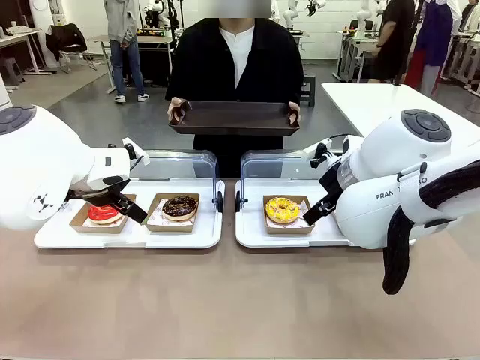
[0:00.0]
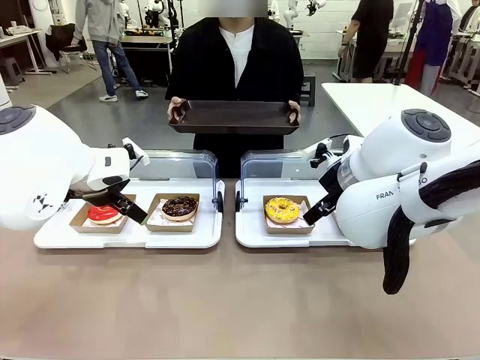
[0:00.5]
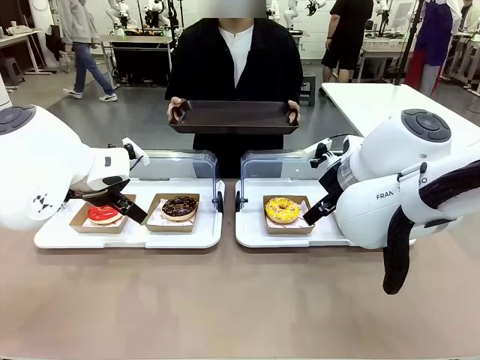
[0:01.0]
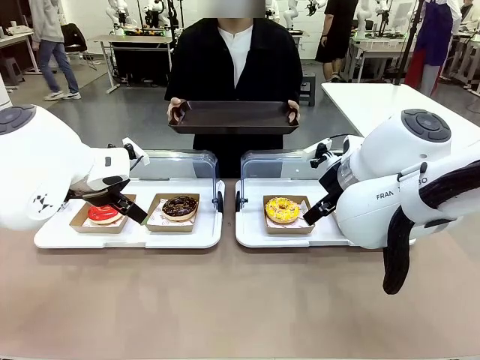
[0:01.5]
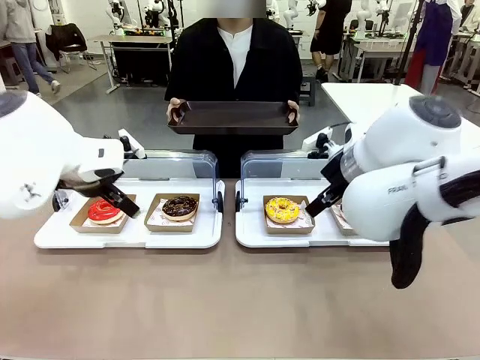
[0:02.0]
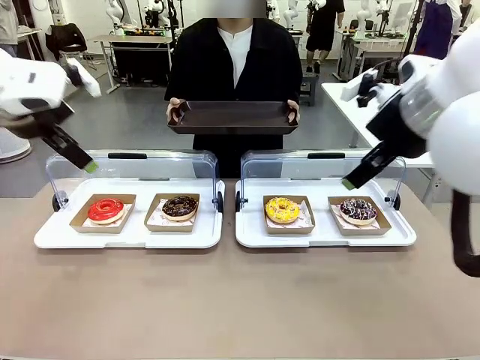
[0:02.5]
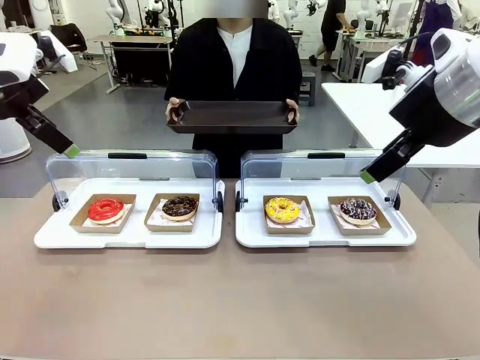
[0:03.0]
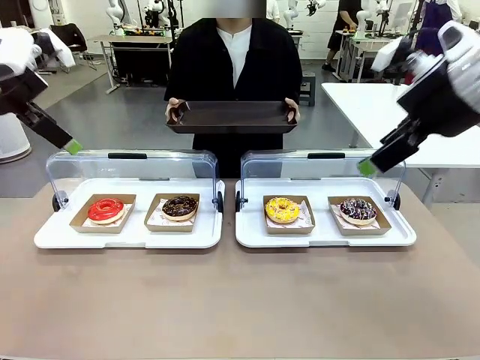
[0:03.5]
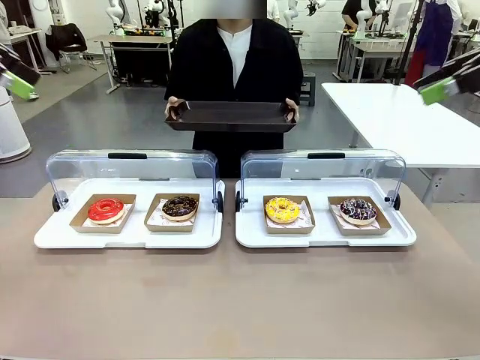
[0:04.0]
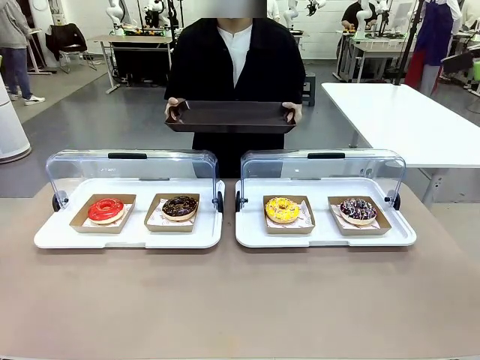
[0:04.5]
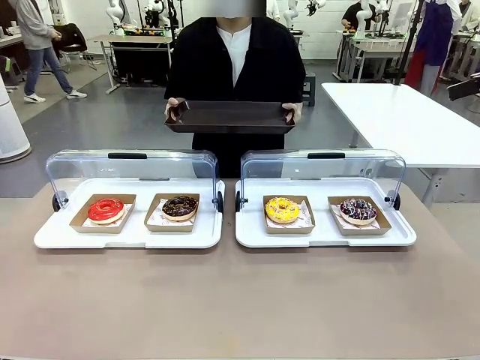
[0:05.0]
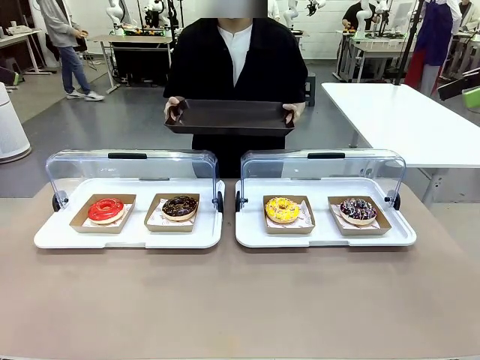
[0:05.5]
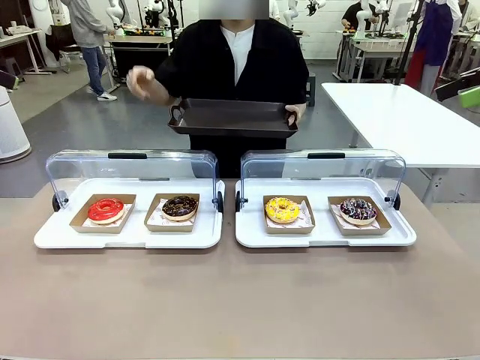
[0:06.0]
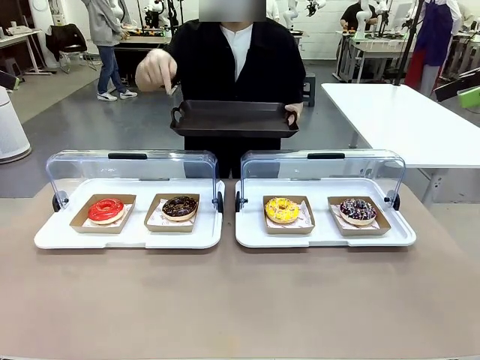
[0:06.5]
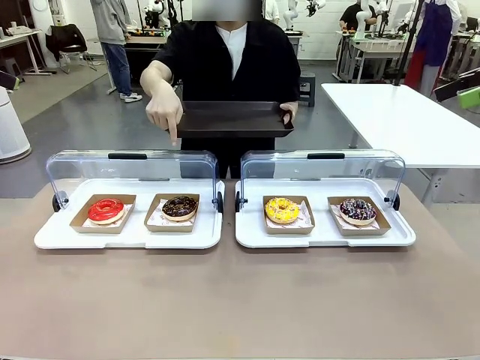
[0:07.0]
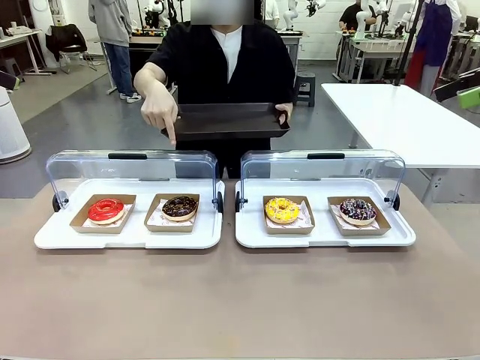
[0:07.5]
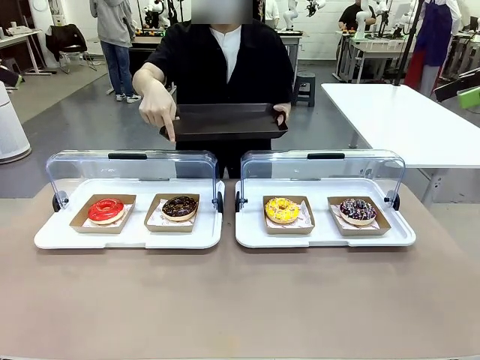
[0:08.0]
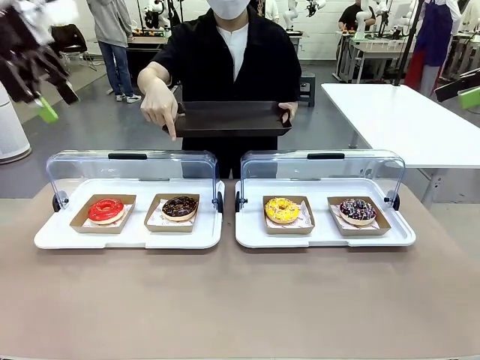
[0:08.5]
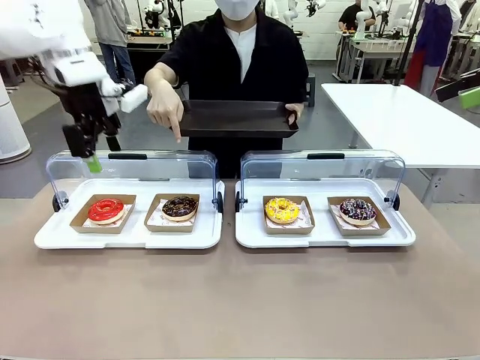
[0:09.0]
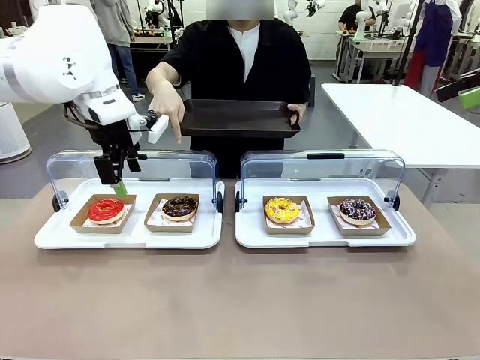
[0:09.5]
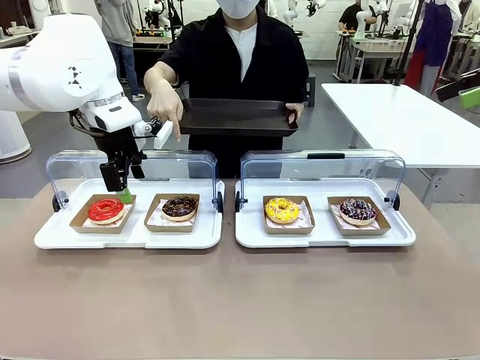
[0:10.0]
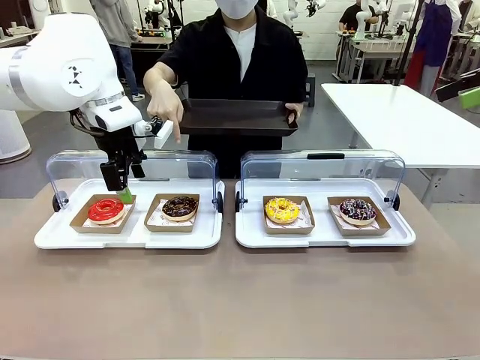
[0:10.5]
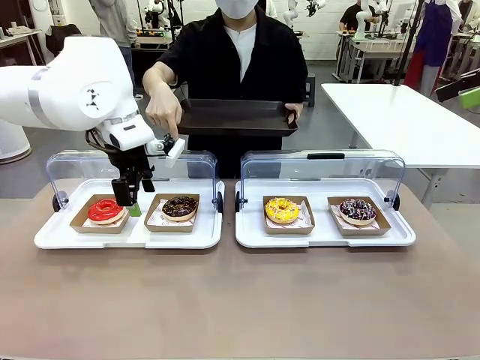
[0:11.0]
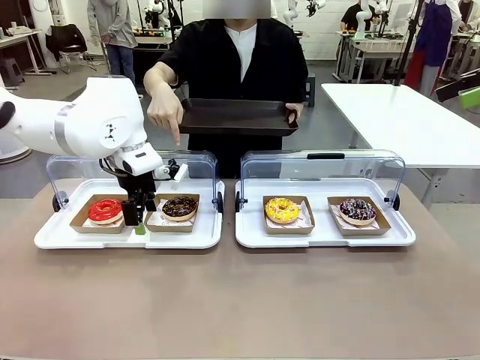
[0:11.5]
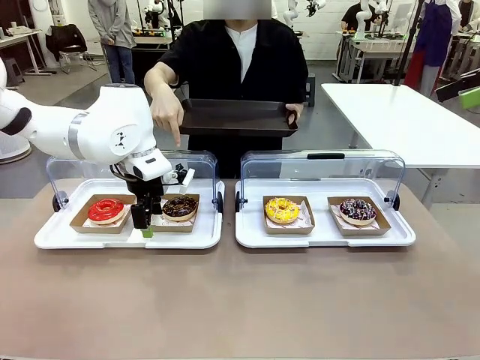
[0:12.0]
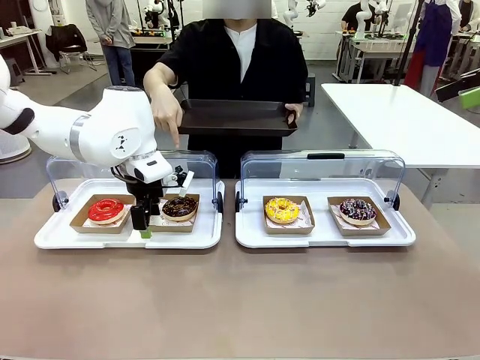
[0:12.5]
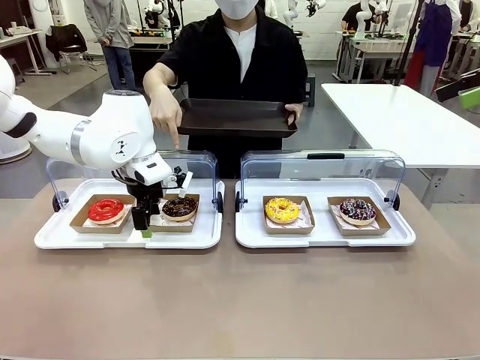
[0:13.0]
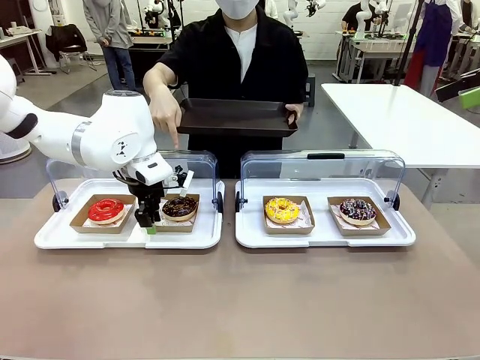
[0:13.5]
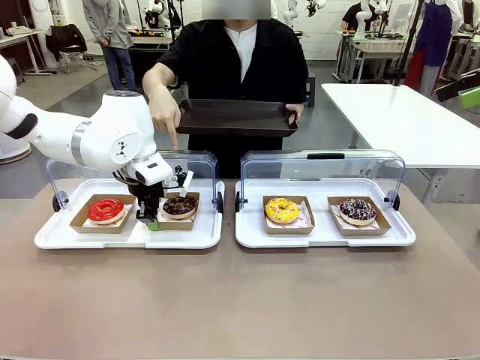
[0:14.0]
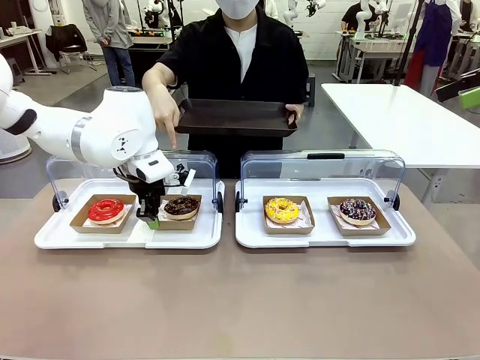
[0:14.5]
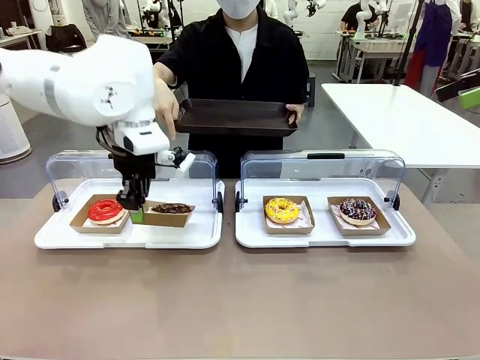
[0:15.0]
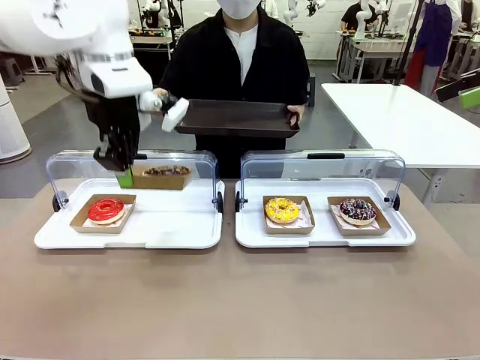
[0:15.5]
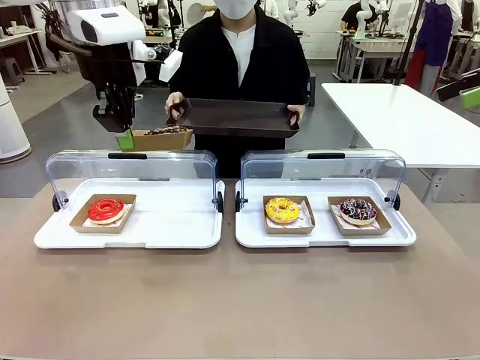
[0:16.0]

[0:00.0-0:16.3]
Task: Provide the desired donut to the person.
Robot: Pick up and lift the Paper togo box containing the Donut pointed at by the person.
Person: Point to one donut. Lift the tray onto the Roll-Top Bakery Case.

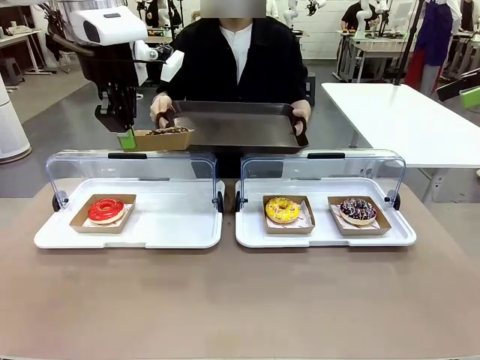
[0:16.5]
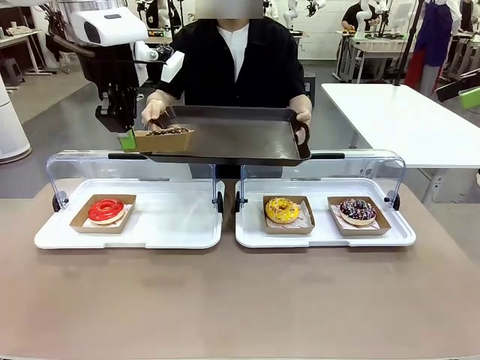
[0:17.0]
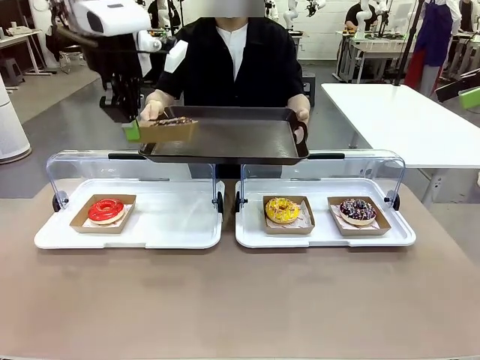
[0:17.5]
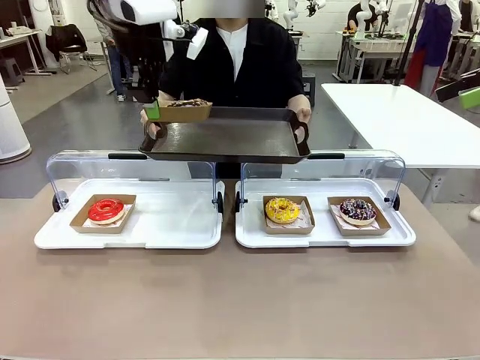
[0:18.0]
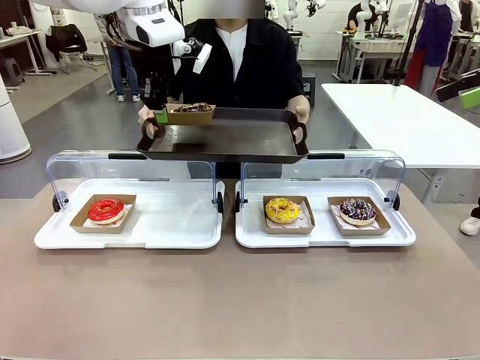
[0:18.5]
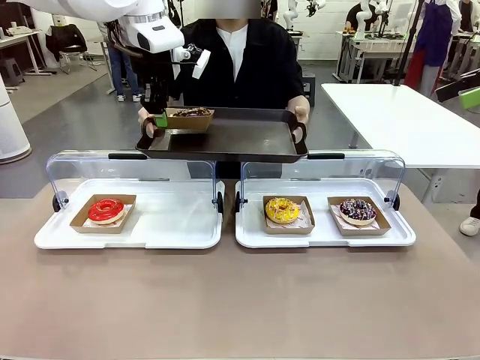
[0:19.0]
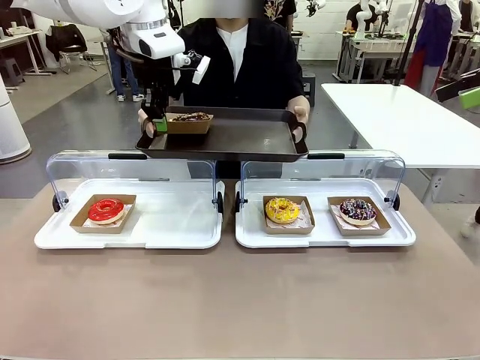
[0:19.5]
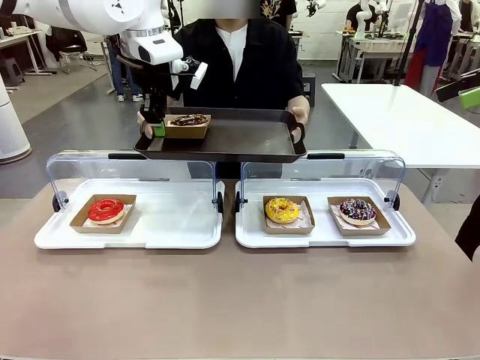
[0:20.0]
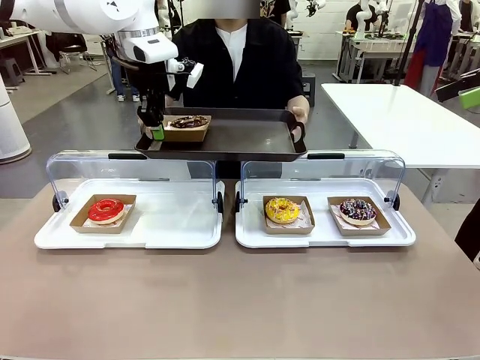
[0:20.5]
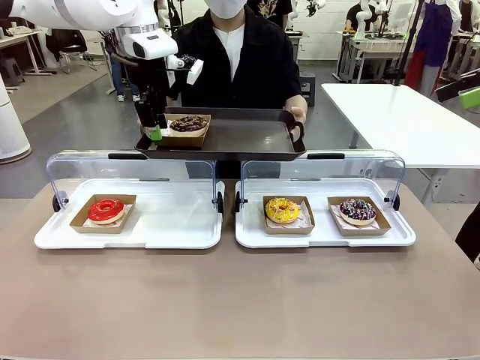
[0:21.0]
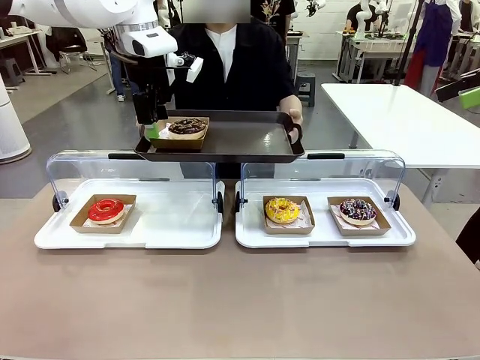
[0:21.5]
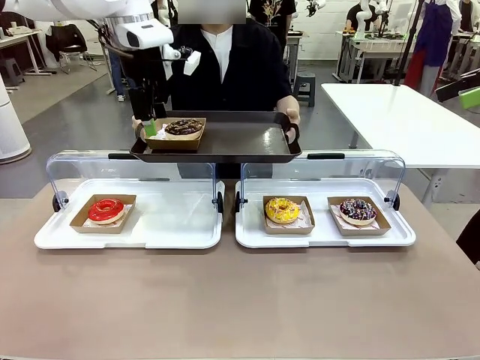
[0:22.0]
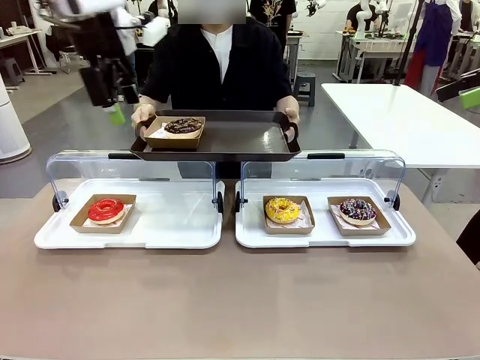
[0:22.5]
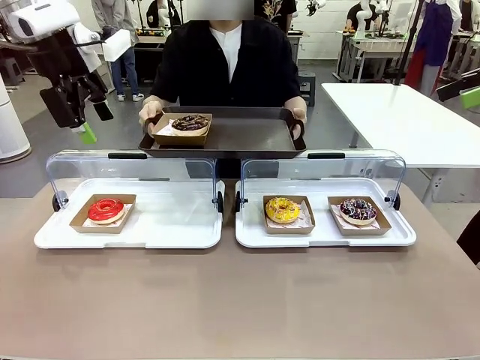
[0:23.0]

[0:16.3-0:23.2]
Robot: Place the picked Paper togo box onto the Handle tray extended by the person.

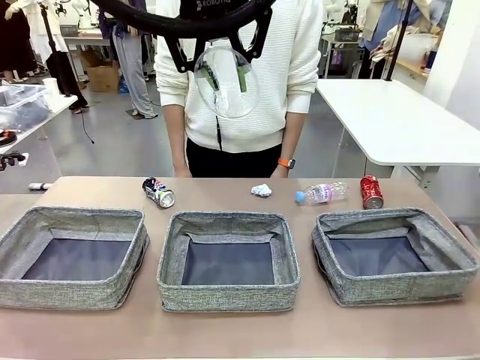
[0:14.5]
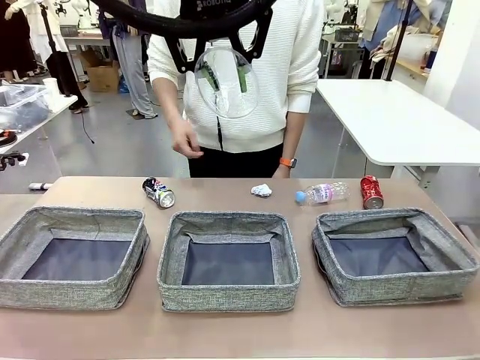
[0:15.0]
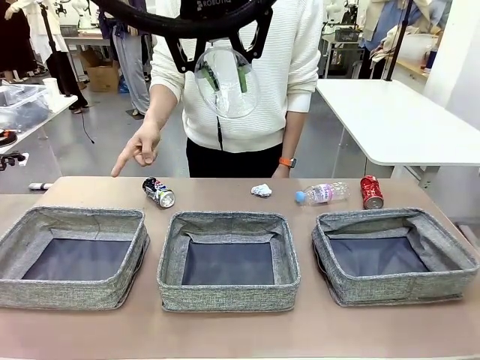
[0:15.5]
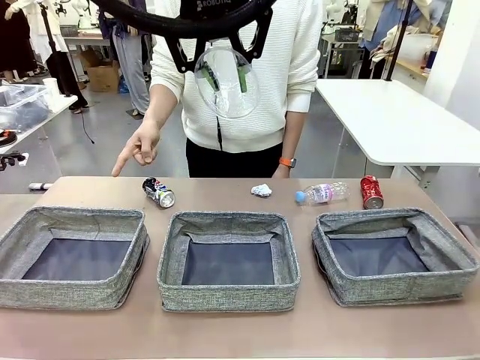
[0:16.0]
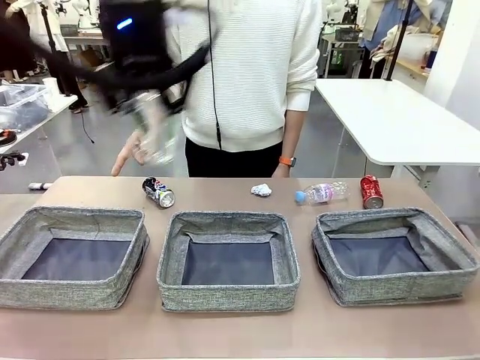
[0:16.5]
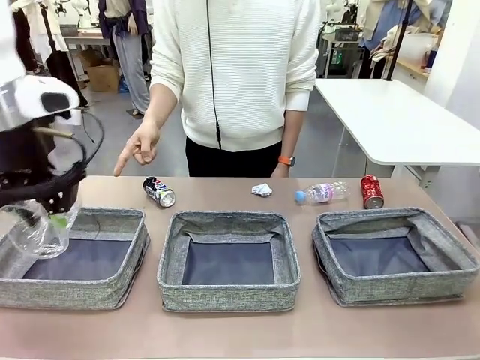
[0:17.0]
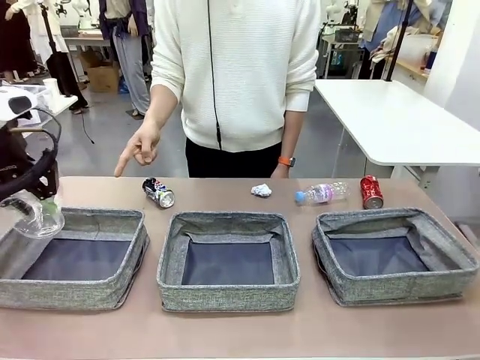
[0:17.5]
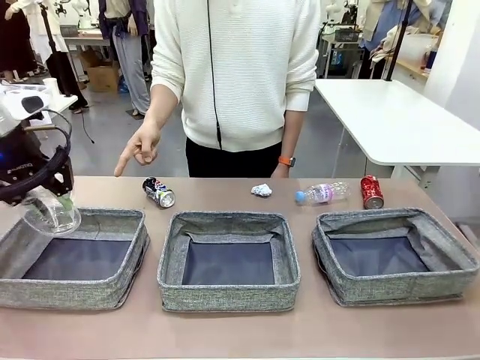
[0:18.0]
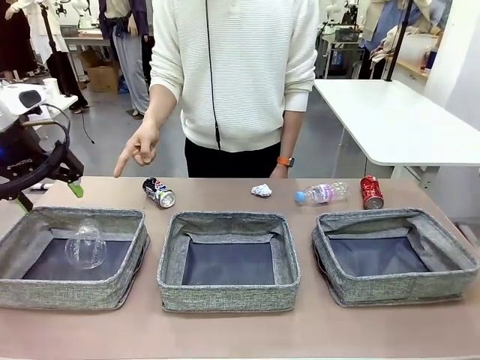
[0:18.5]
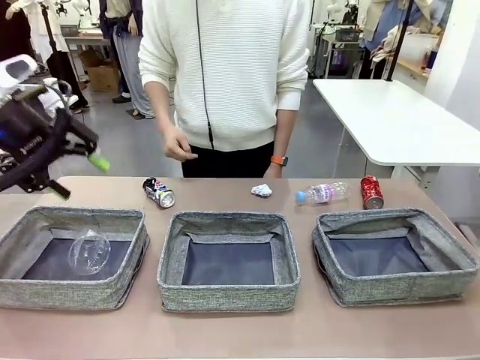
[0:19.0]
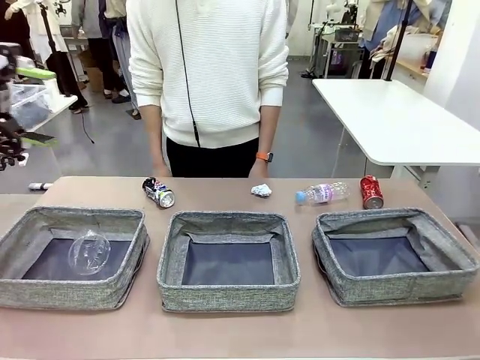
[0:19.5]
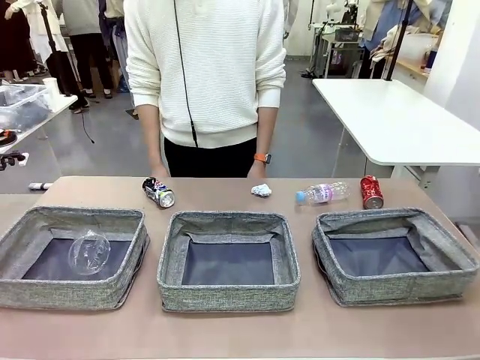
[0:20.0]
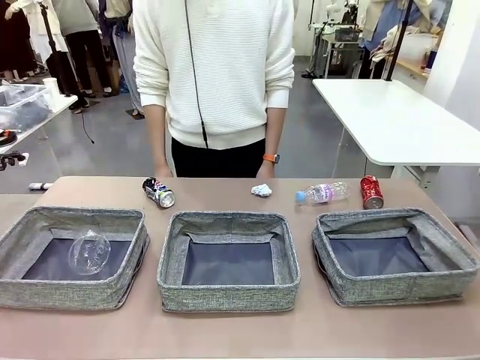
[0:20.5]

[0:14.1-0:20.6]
Task: Sort the waste into the appropriate baskets.
Robot: Place the picked waste into the Fabric basket indicated by the person.
Person: Instructs the robot to place the picked-up trash into the appropriate organizing basket.
